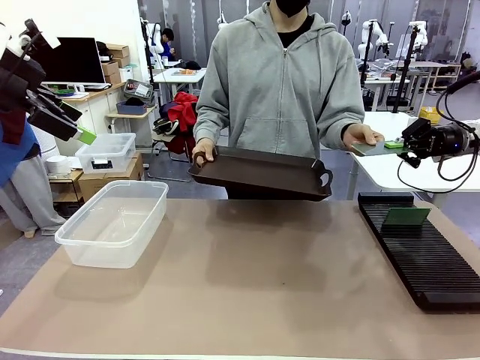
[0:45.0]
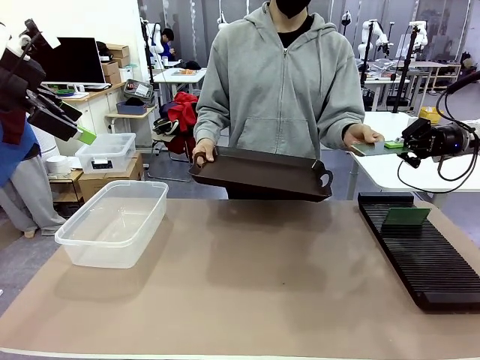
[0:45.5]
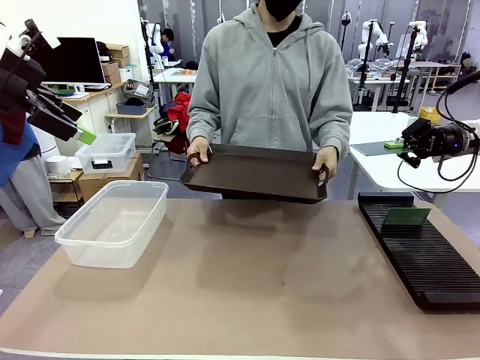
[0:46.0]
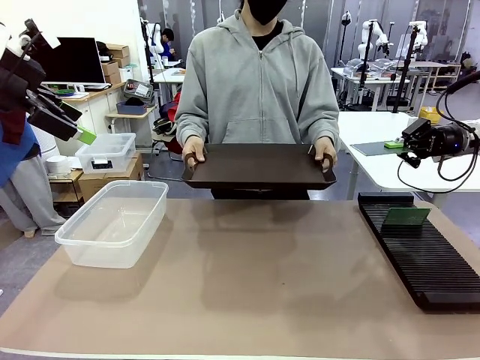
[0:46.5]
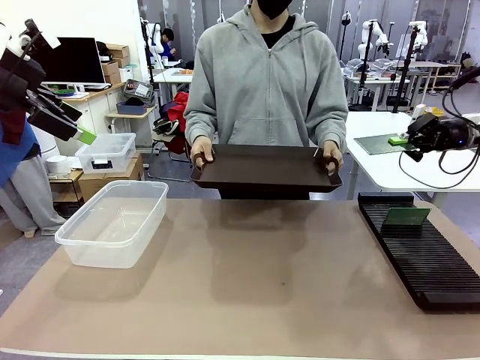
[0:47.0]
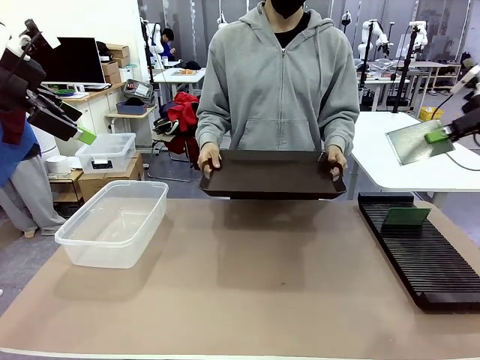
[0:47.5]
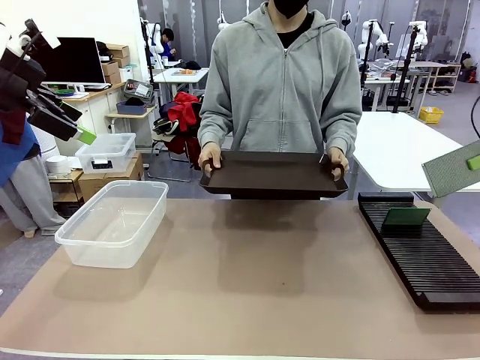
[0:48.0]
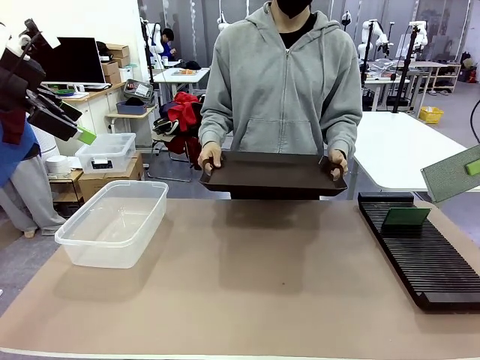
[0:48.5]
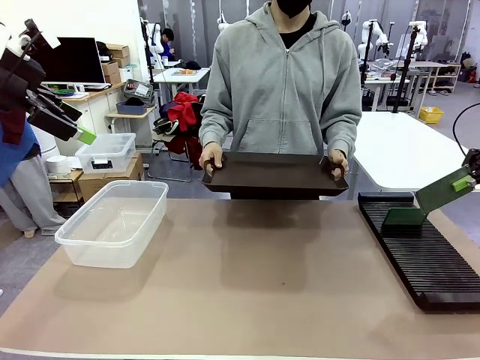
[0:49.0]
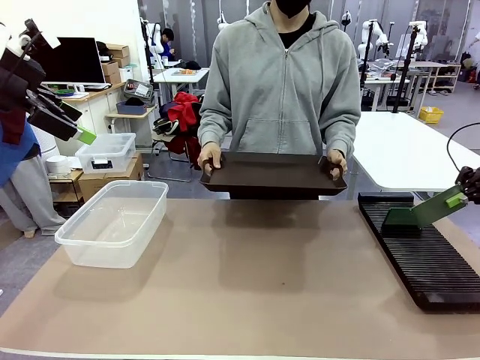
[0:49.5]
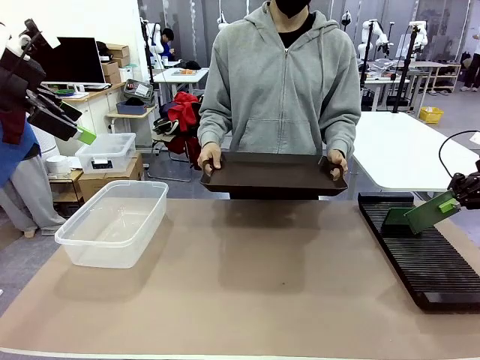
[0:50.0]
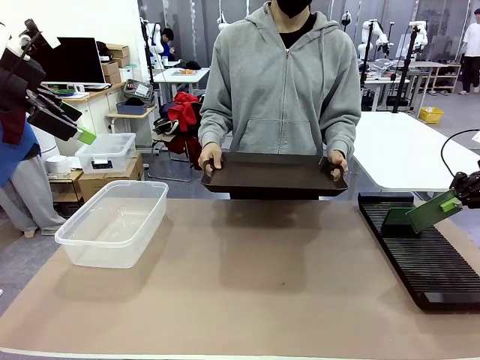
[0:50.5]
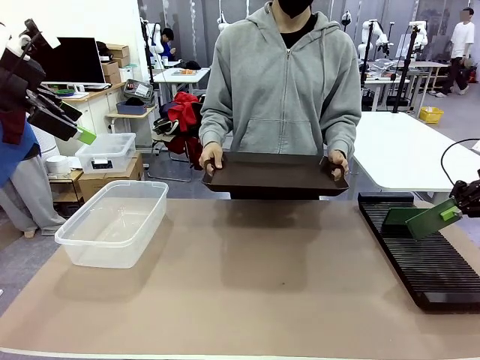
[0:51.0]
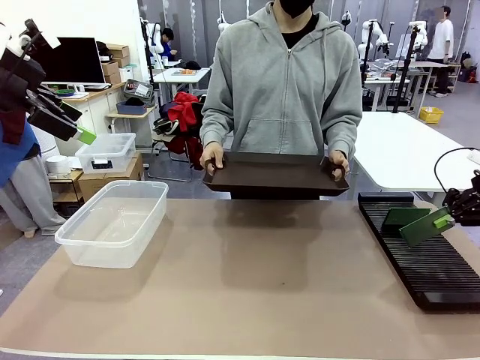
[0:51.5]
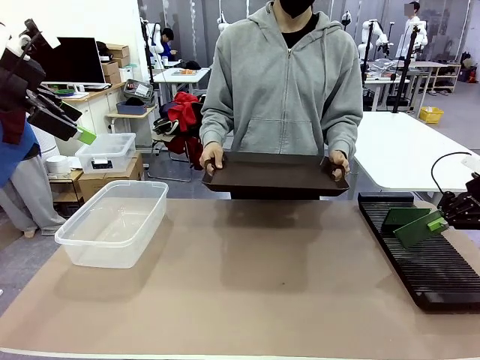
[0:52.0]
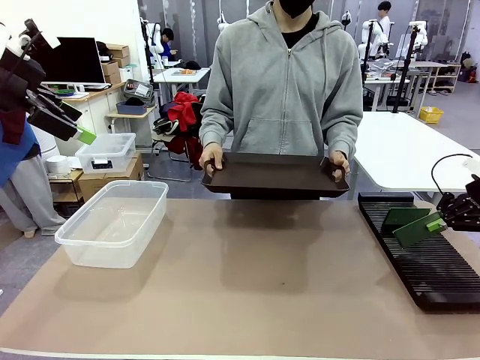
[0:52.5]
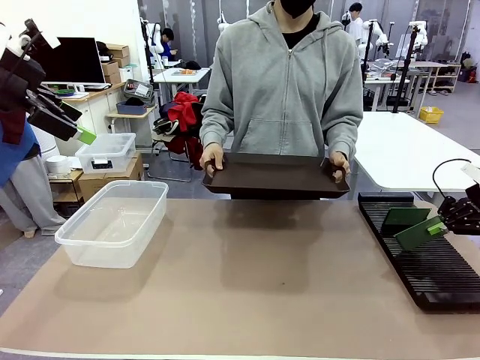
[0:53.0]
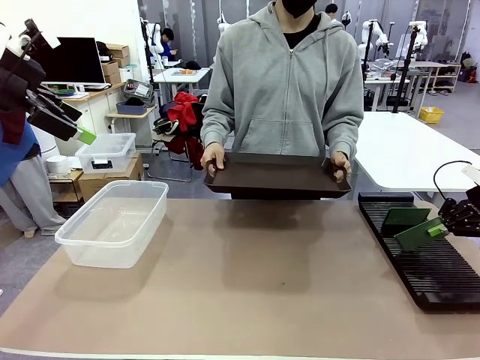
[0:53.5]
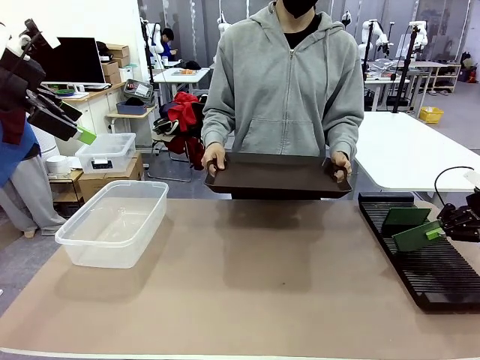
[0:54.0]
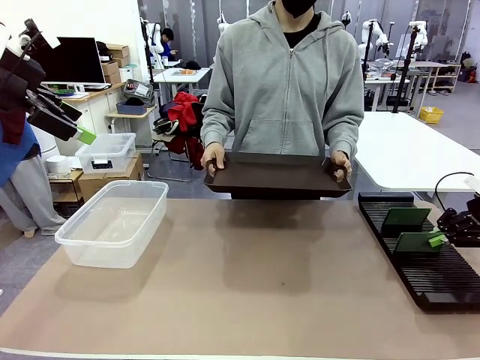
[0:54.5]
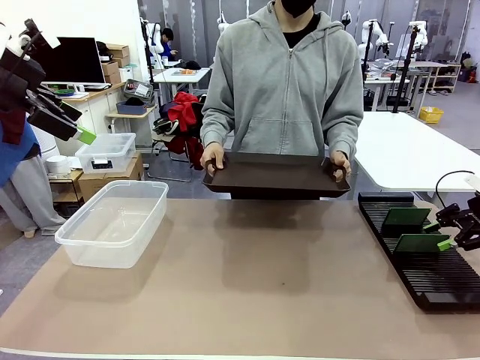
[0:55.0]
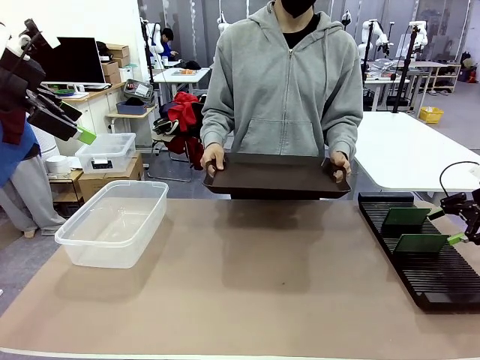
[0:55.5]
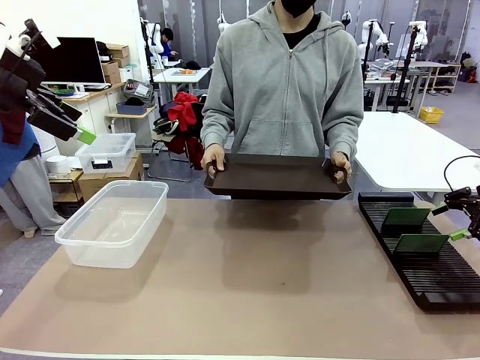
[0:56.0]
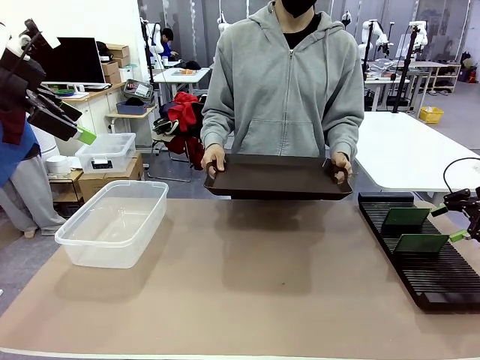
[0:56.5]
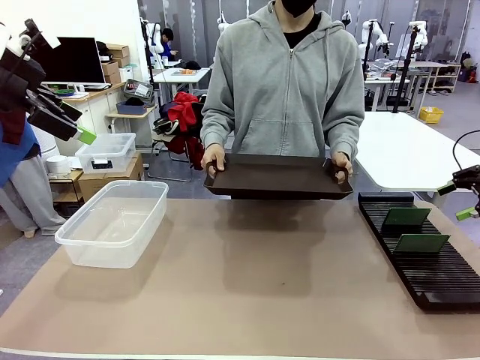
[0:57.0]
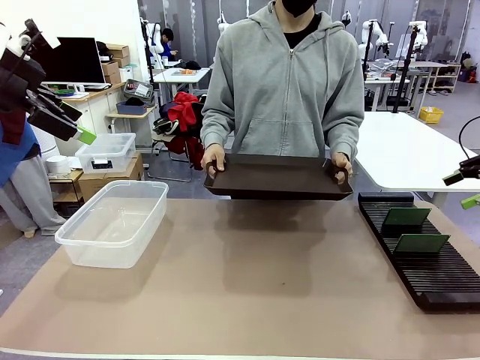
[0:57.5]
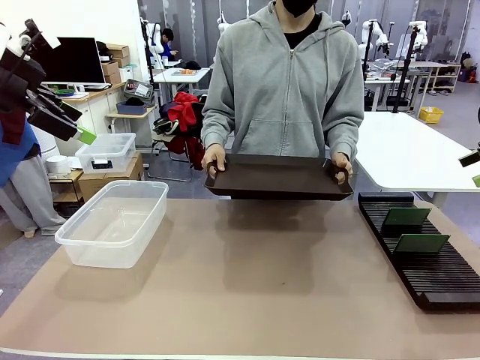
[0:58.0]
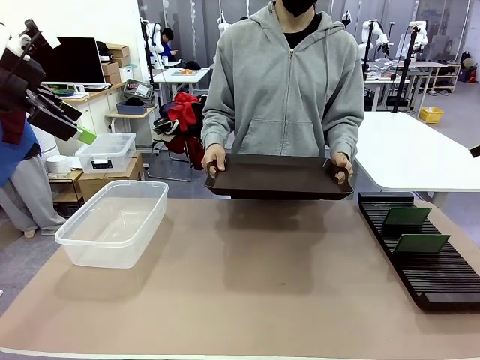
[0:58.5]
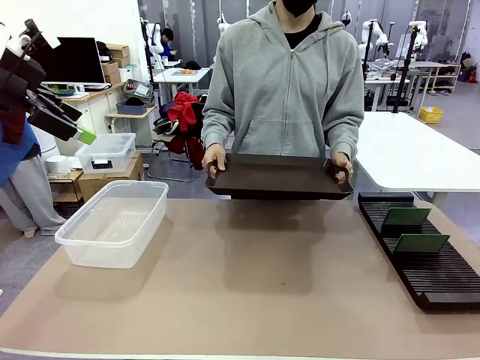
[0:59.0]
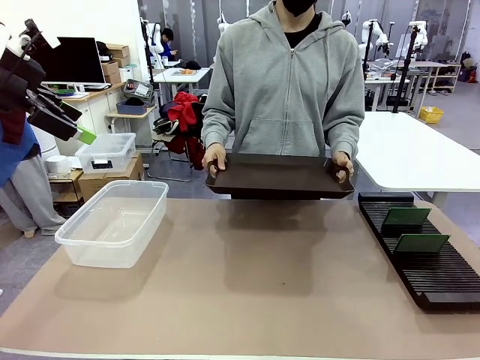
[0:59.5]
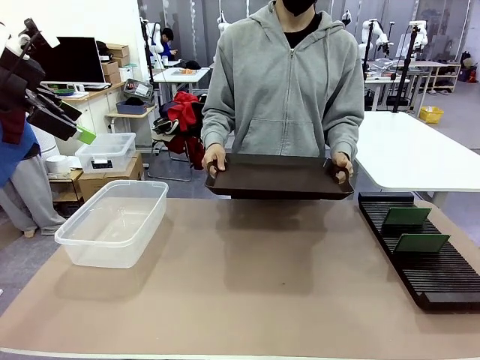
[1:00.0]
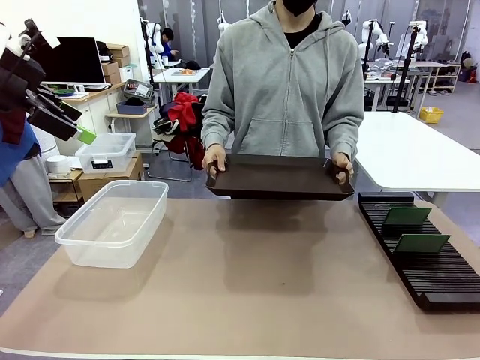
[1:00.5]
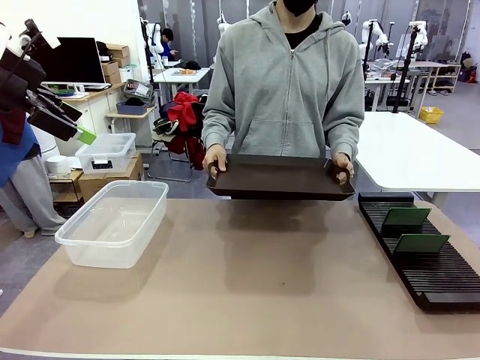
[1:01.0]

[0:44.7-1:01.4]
Task: Sort PCBs into racks and boxes based on the side picked up.
Robot: If the short side of the Blank PCB is picked up, insert it into the PCB Rack ; if the long side is picked up, place it in the Organizing box.
Person: Release the PCB being held.

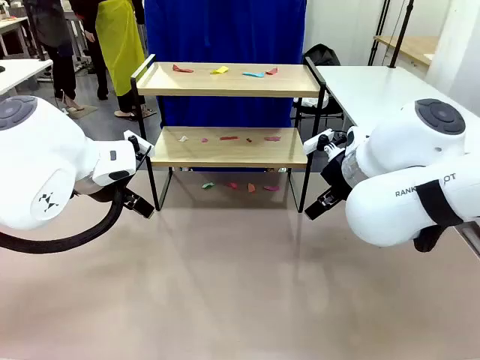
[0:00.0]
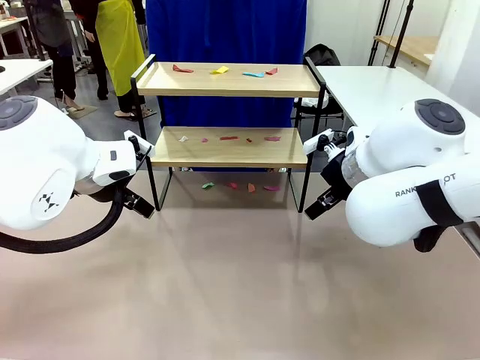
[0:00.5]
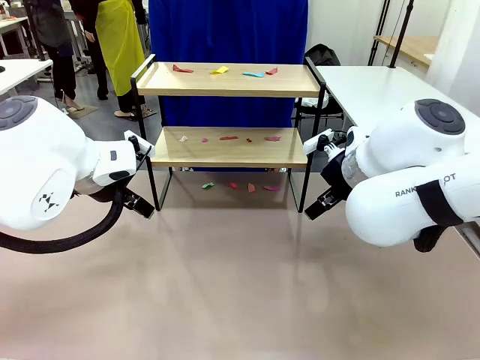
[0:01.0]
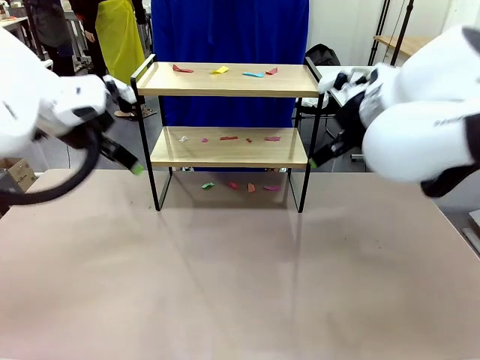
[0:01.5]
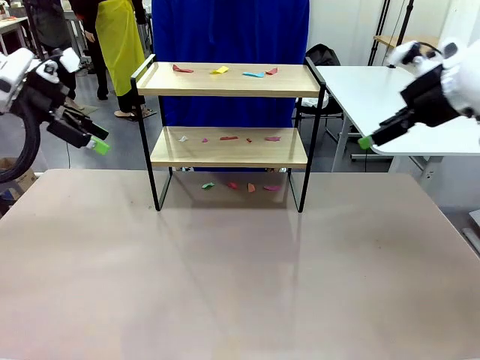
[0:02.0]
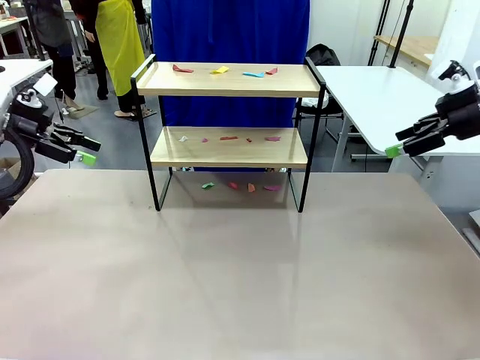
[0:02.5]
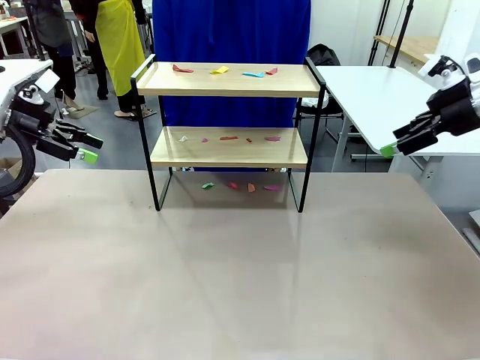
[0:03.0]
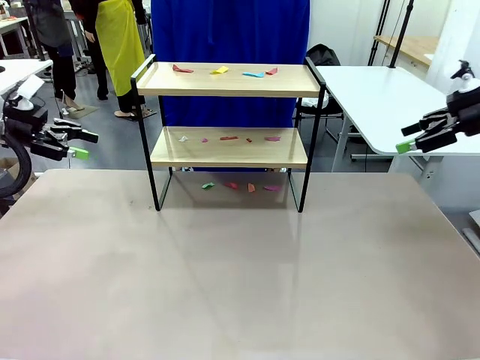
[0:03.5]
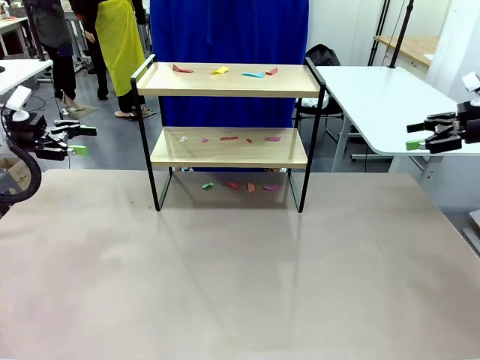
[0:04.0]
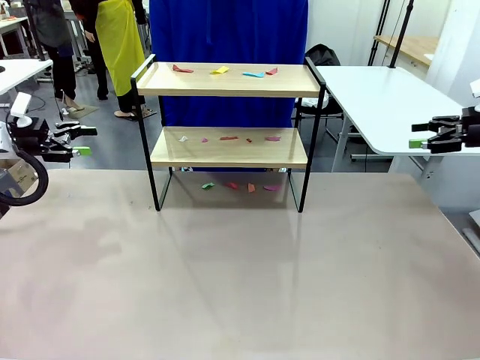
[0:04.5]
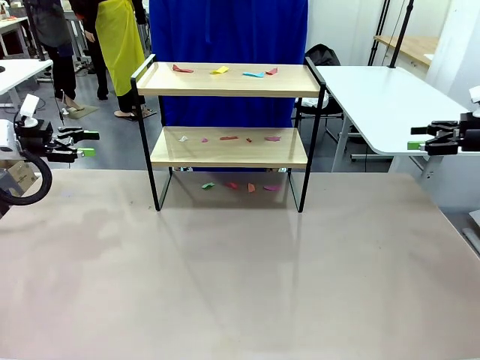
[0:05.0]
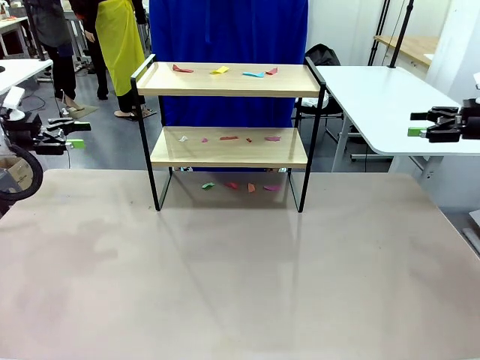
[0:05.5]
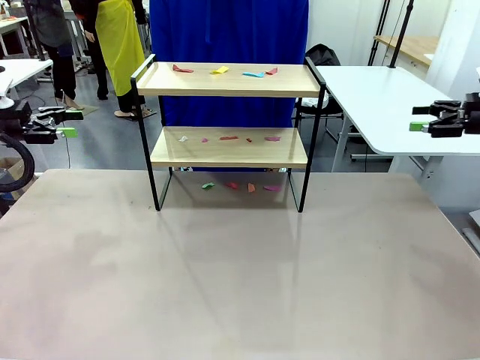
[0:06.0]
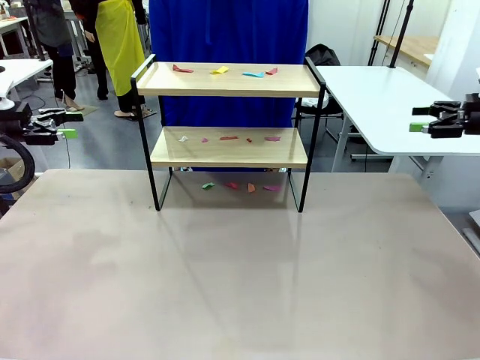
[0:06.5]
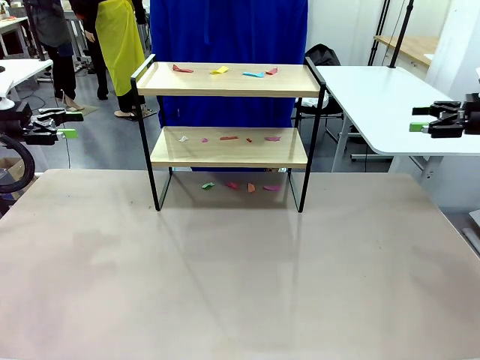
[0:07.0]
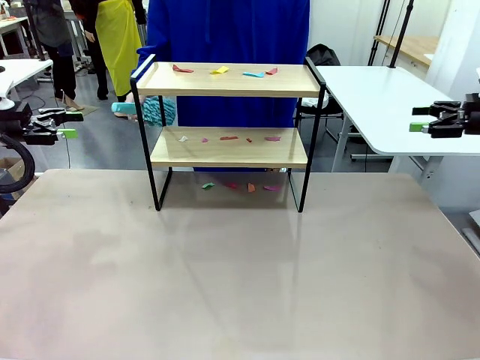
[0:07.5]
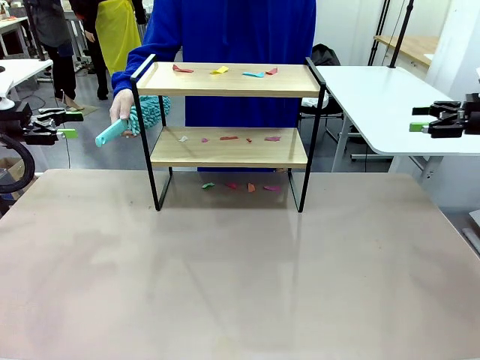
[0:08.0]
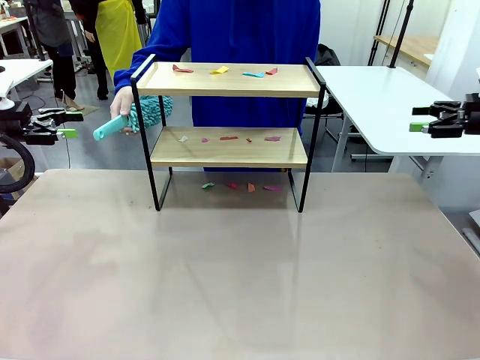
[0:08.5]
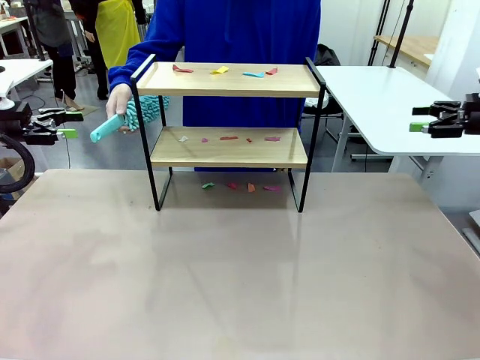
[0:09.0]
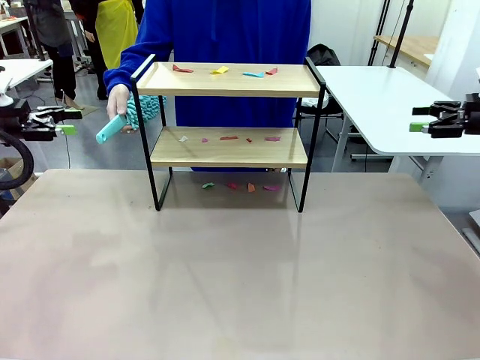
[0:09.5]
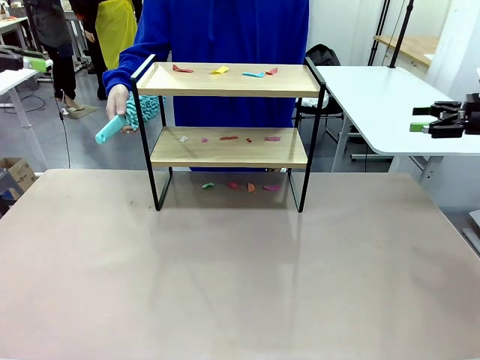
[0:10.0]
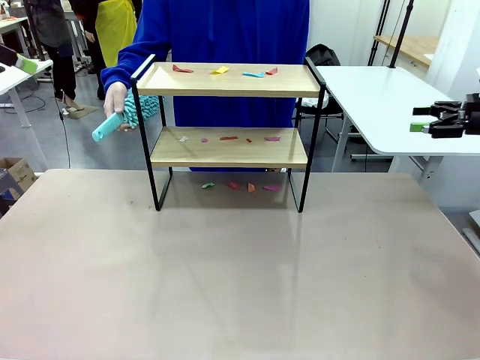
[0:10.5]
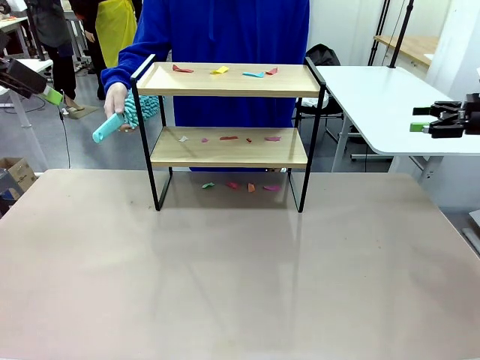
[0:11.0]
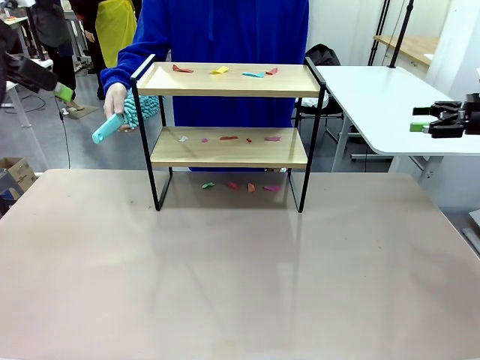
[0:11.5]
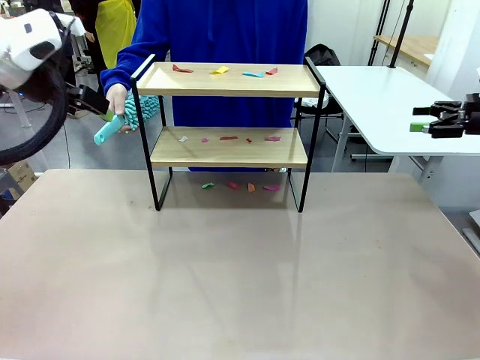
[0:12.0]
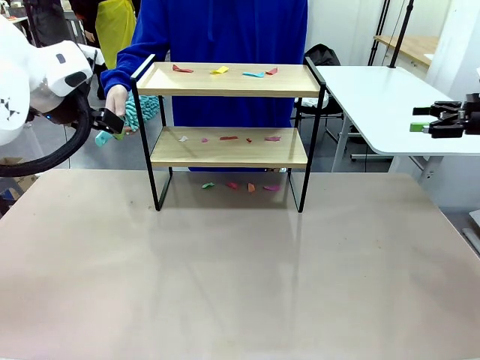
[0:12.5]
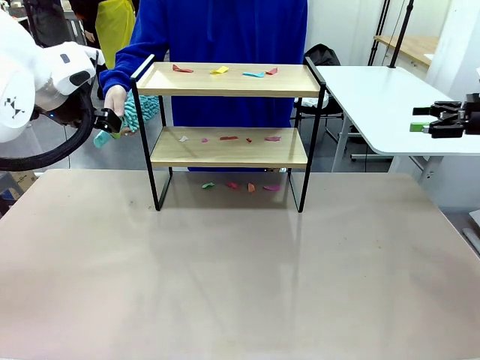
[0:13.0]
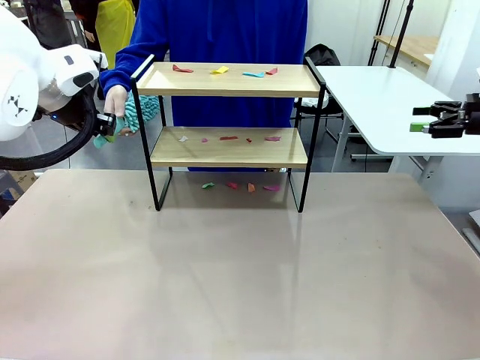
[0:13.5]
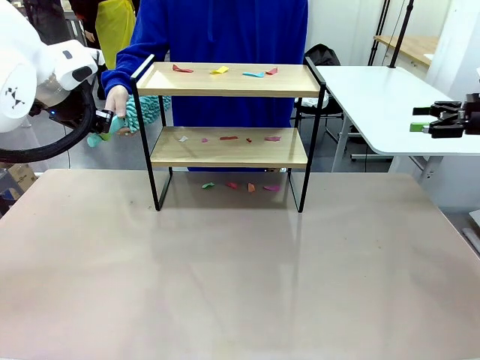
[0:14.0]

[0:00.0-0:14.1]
Task: Clean the shelf.
Robot: Pick up the Duster handed by the human.
Person: Hand the Duster to the robot.
